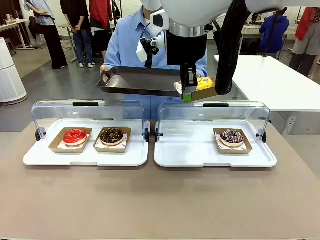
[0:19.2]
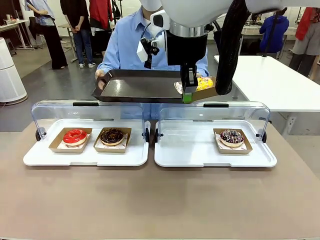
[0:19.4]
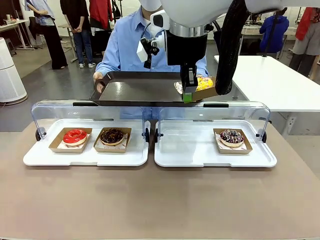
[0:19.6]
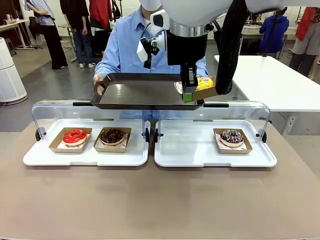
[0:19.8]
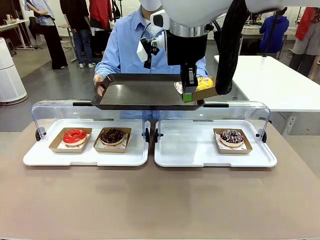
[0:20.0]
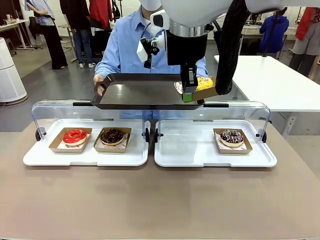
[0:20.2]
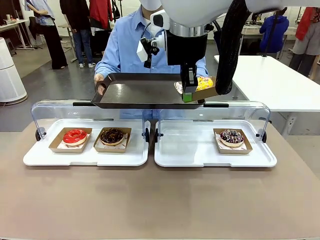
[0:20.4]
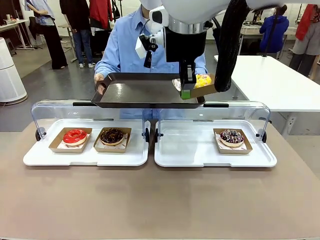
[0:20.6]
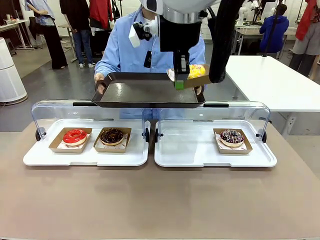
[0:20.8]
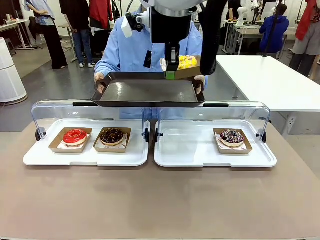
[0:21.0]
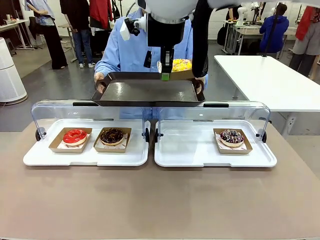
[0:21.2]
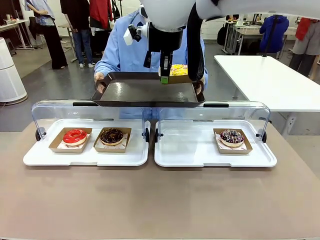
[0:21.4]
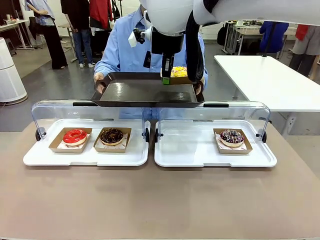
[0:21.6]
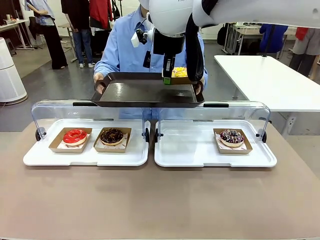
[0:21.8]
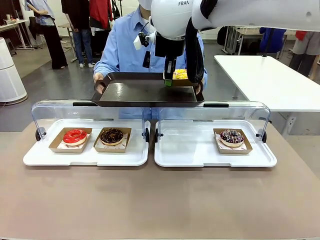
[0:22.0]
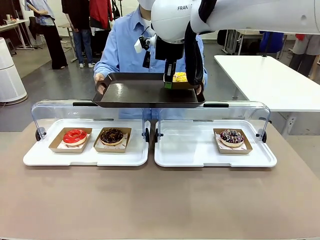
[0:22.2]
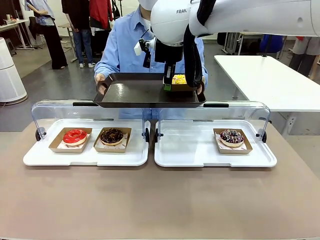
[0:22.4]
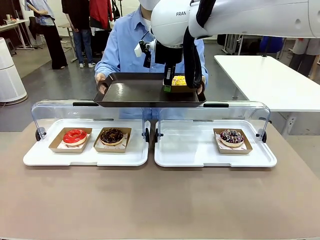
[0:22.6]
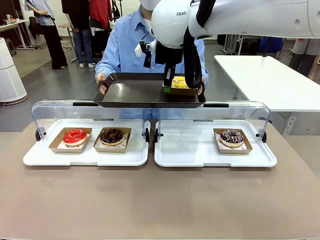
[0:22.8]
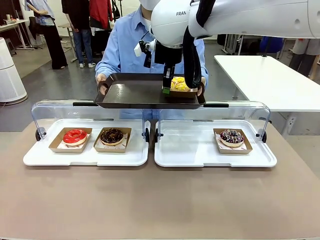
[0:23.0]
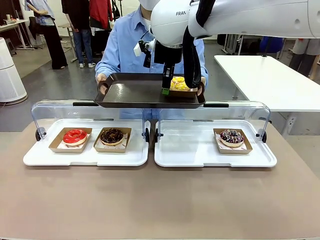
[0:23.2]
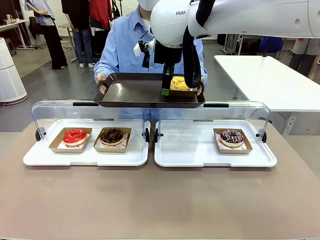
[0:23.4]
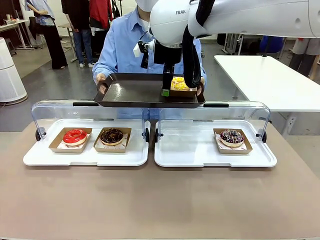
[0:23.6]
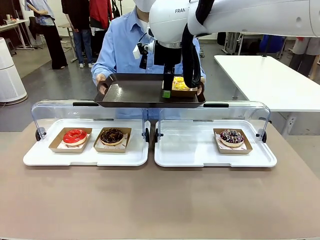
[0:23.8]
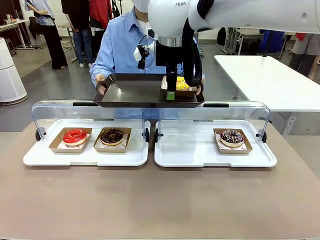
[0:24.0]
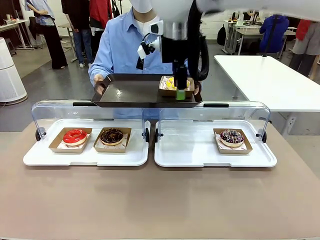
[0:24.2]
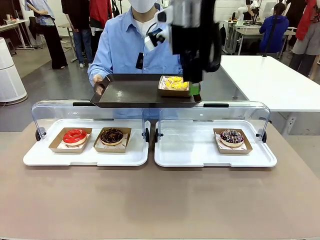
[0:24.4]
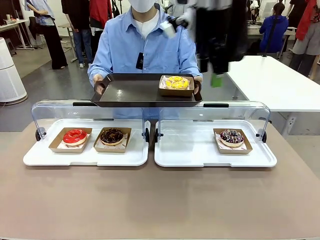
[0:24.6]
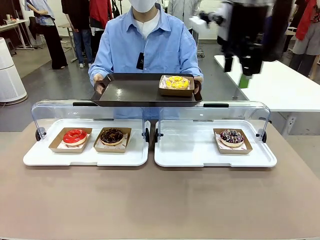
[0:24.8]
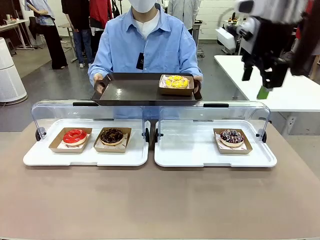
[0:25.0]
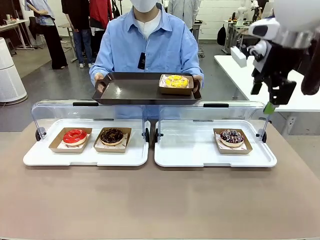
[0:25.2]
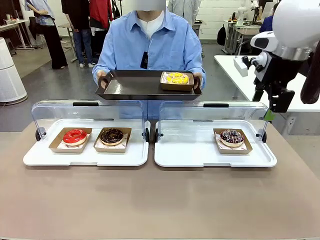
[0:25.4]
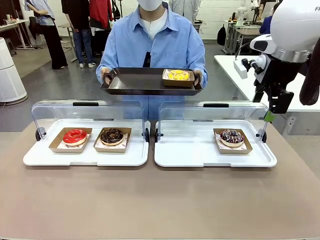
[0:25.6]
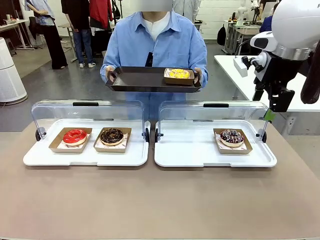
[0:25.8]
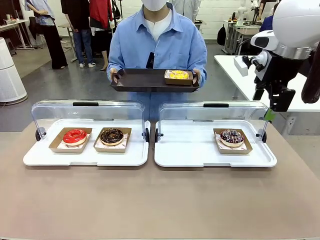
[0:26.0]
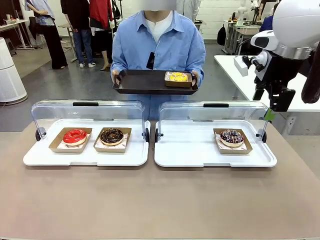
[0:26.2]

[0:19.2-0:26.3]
Task: Provide the desired donut to the person.
Robot: Place the picked Paper togo box onto the Handle tray extended by the person.

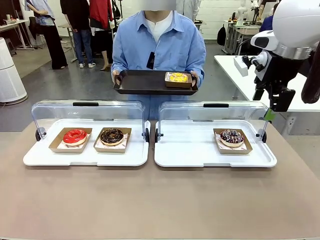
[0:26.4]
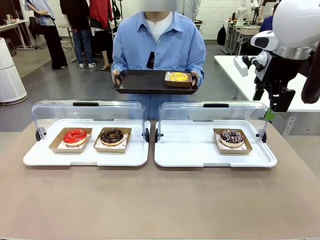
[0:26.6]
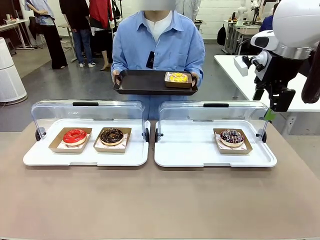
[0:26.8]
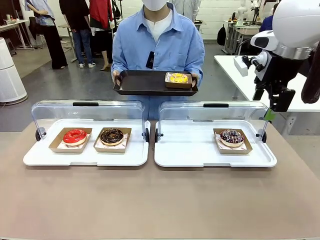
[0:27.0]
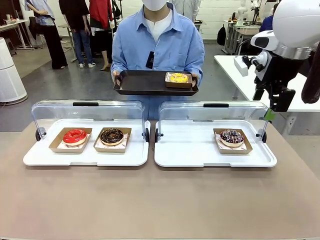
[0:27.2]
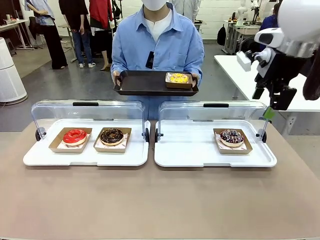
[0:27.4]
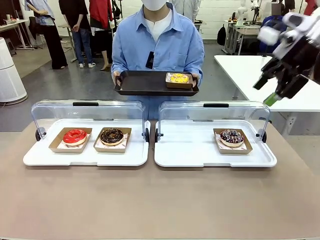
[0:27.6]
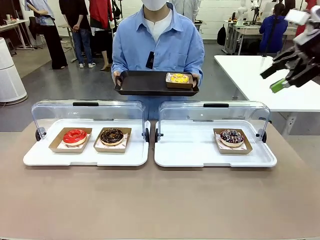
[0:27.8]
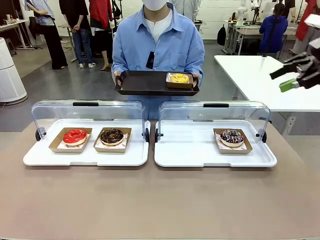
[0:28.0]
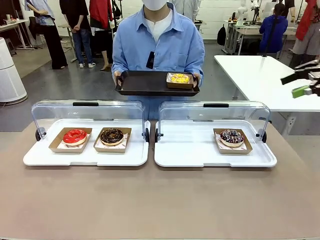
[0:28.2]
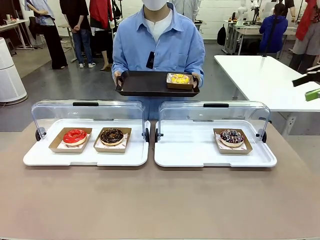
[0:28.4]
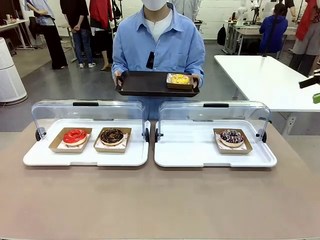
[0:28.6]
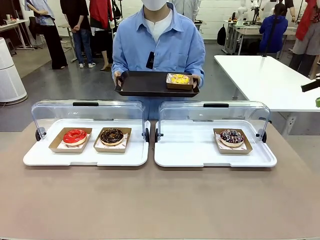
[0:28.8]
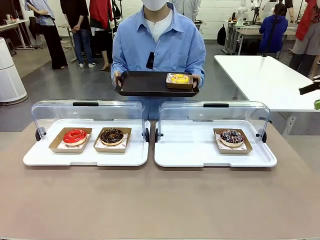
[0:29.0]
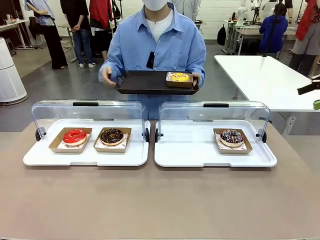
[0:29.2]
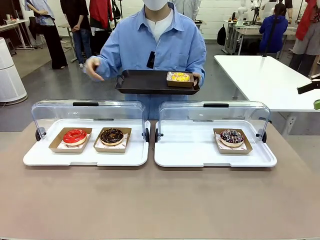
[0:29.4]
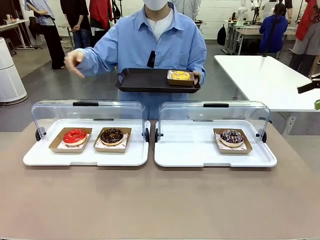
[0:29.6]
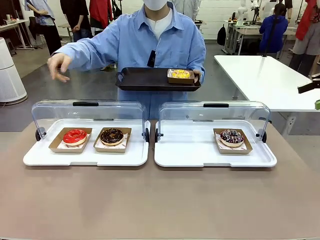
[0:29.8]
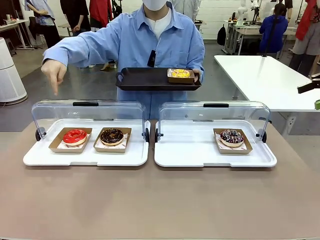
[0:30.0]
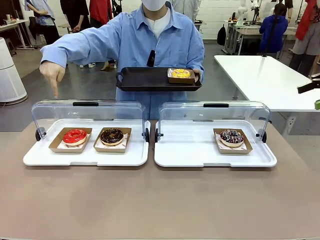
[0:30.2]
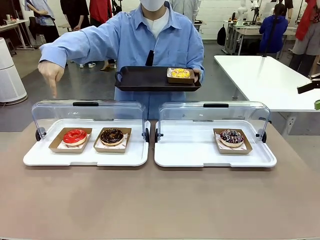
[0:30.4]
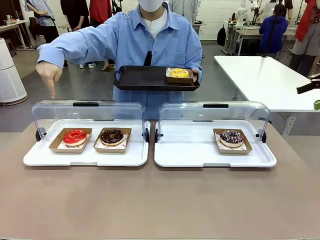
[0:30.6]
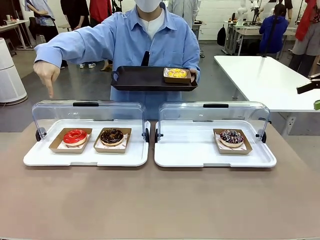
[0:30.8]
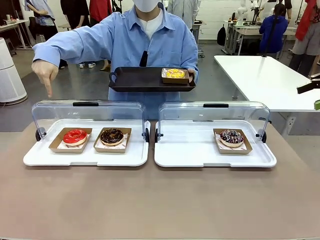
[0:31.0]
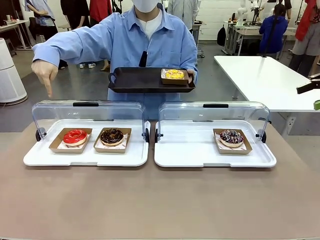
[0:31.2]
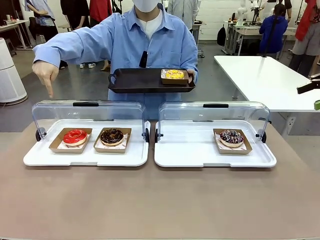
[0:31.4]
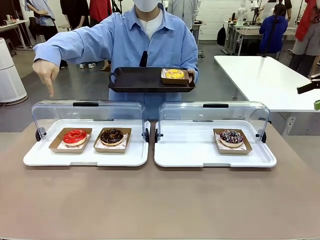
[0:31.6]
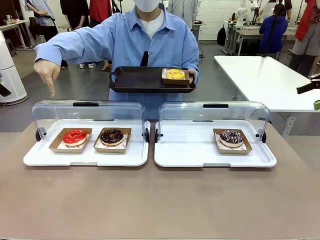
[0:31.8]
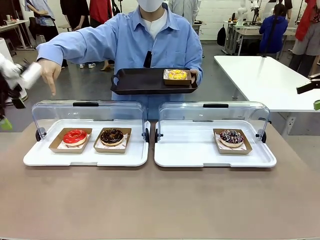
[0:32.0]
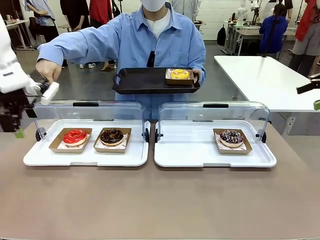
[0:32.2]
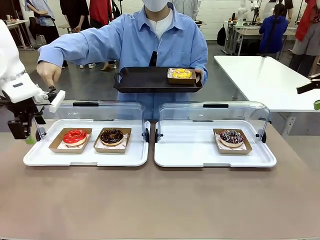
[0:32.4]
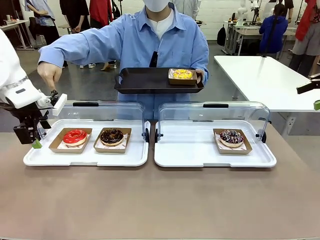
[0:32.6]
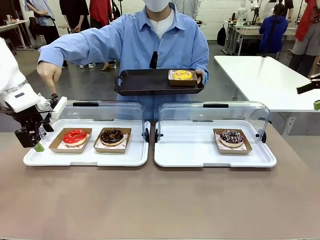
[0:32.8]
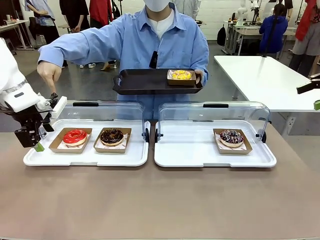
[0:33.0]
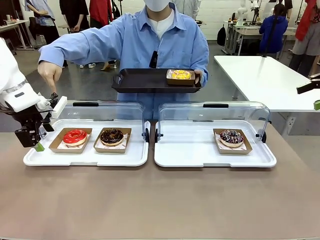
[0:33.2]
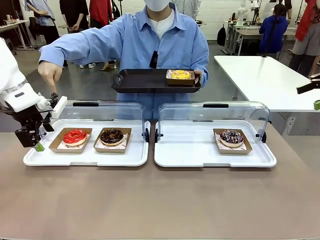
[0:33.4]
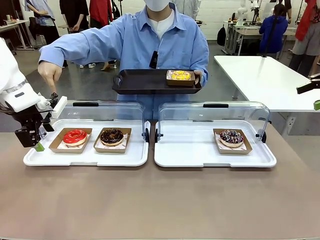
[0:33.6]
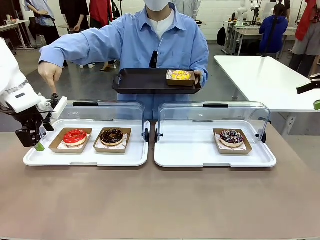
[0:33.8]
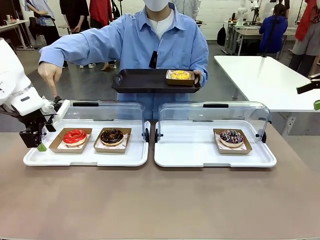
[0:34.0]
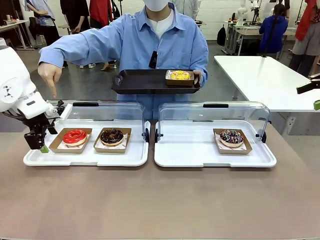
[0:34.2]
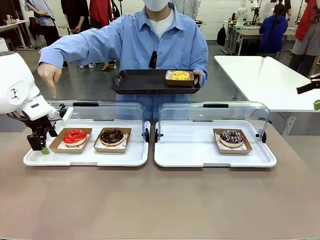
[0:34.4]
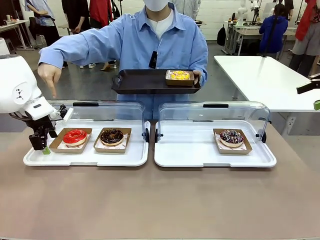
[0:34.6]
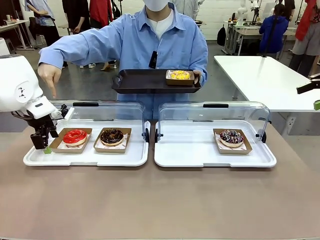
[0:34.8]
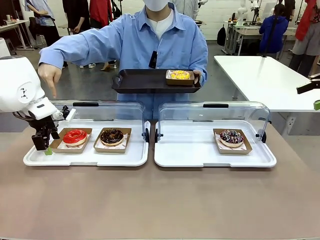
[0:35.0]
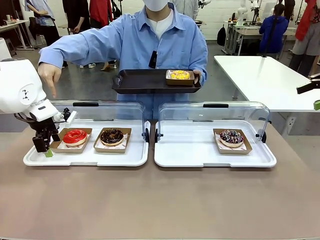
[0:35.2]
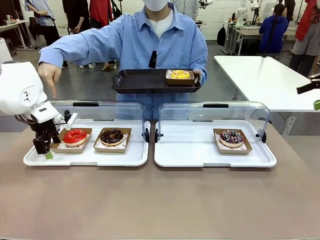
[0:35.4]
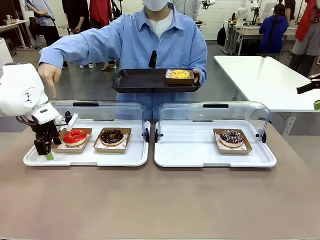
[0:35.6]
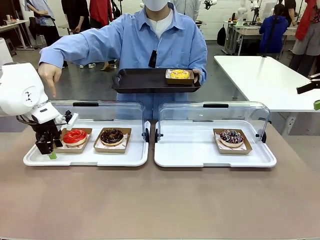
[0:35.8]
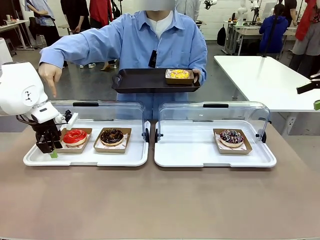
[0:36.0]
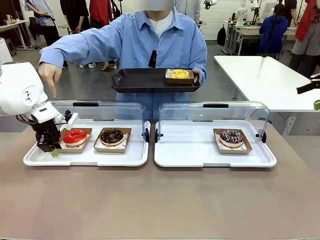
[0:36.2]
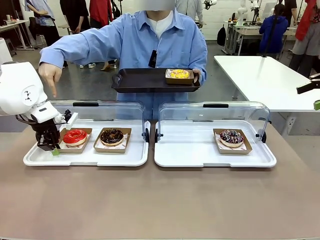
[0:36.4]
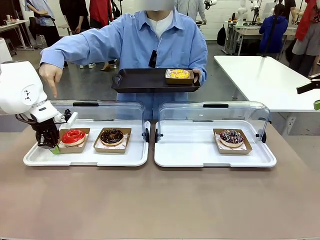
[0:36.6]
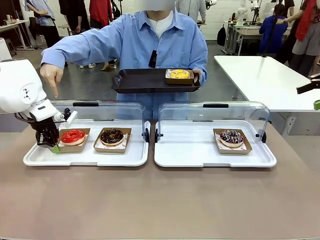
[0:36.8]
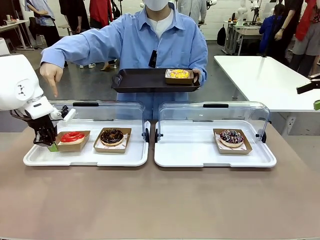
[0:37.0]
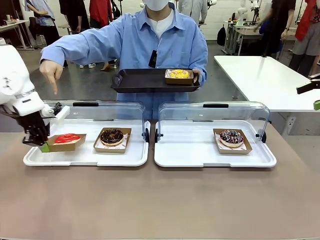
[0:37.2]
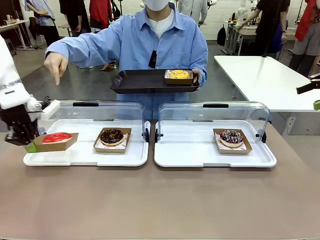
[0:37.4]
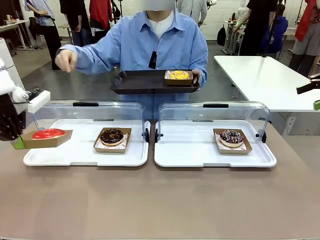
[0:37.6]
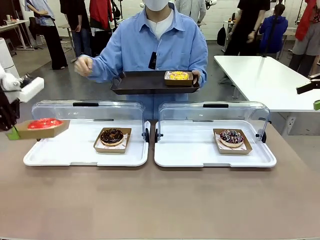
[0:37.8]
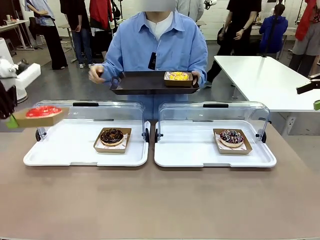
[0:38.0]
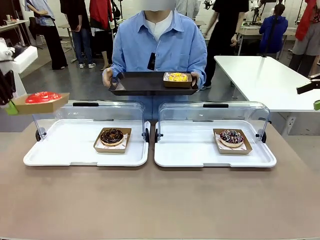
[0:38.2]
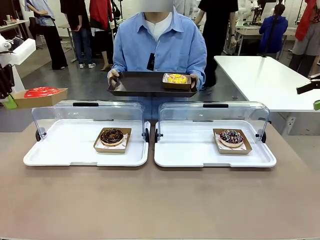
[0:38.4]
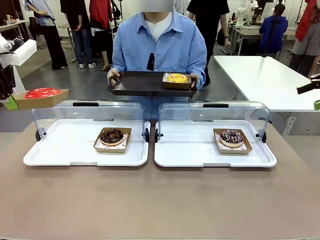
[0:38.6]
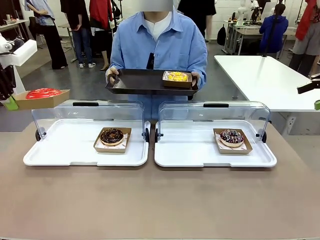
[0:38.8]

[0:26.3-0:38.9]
Robot: Pick up and lift the Paper togo box containing the Donut pointed at by the person.
Person: Point to one donut. Lift the tray onto the Roll-Top Bakery Case.
